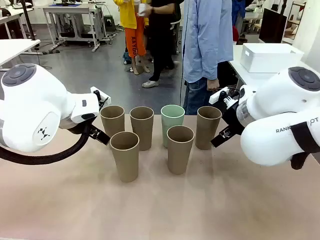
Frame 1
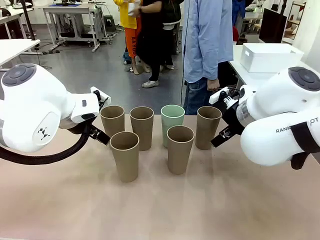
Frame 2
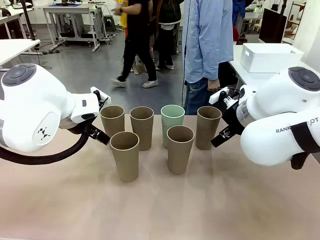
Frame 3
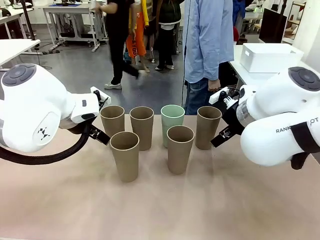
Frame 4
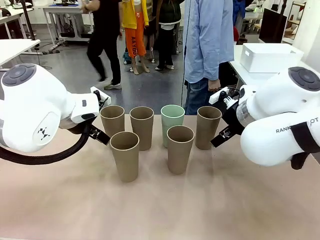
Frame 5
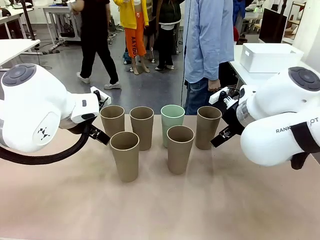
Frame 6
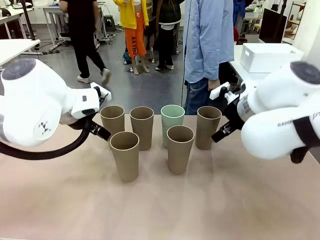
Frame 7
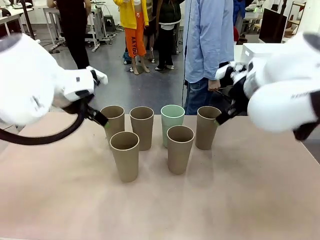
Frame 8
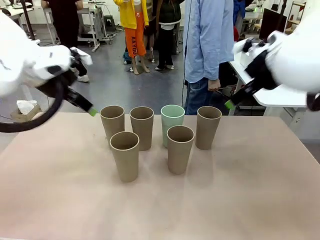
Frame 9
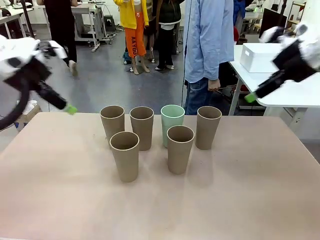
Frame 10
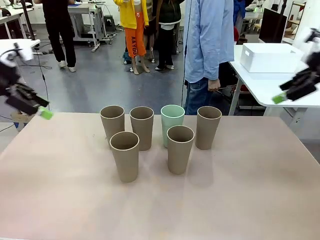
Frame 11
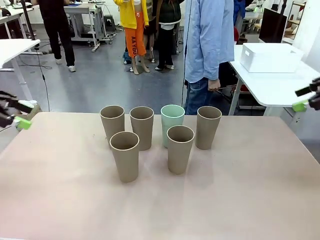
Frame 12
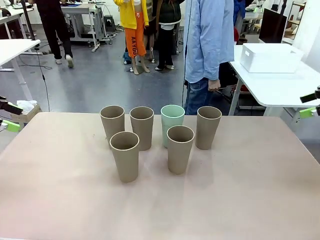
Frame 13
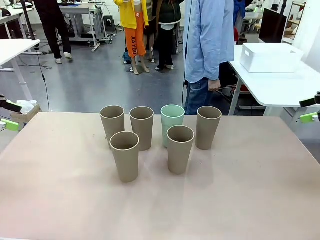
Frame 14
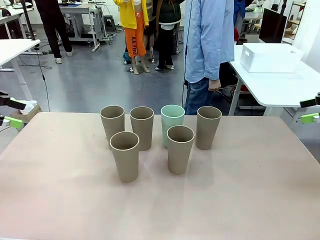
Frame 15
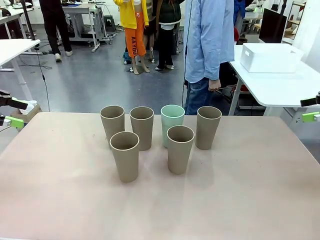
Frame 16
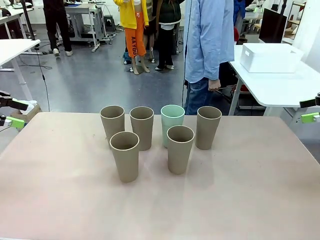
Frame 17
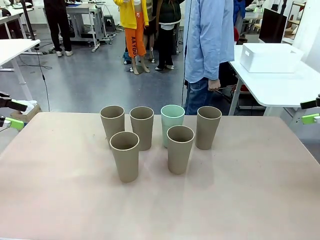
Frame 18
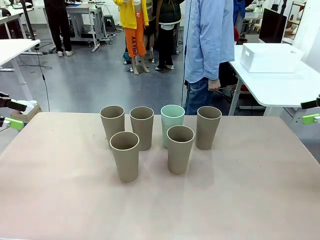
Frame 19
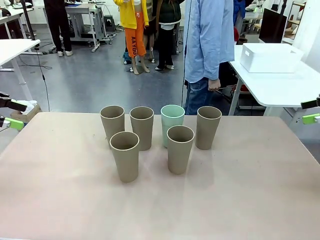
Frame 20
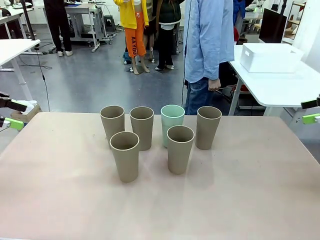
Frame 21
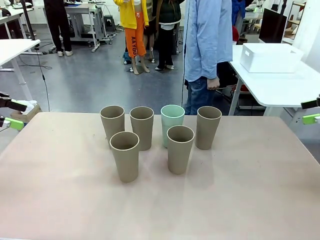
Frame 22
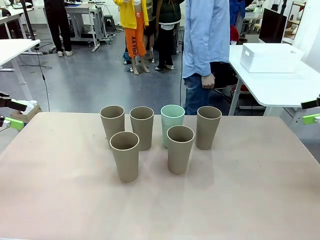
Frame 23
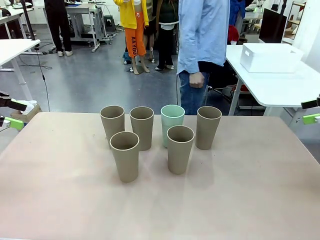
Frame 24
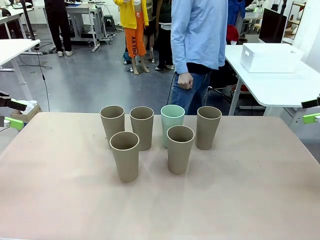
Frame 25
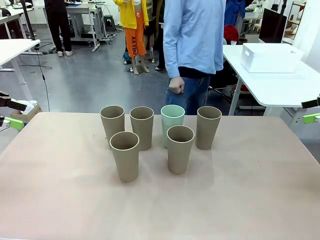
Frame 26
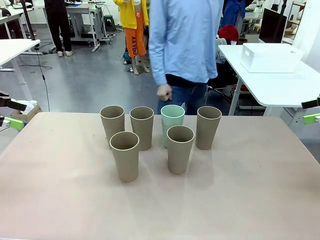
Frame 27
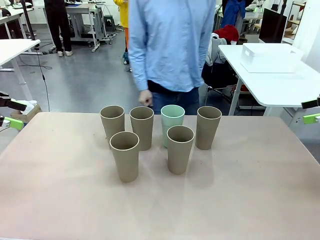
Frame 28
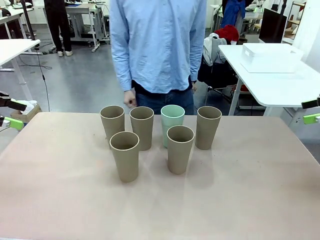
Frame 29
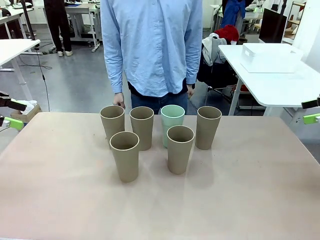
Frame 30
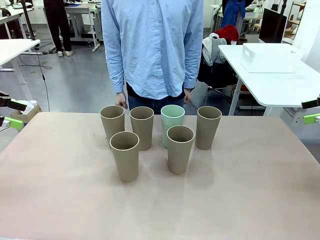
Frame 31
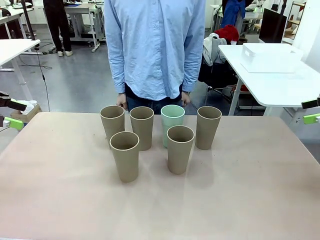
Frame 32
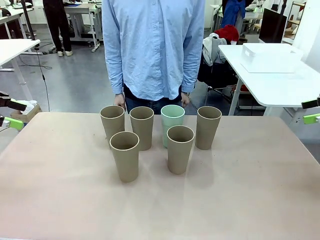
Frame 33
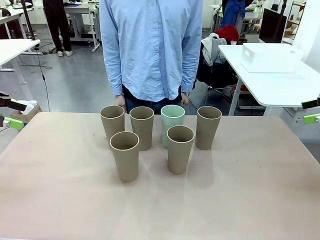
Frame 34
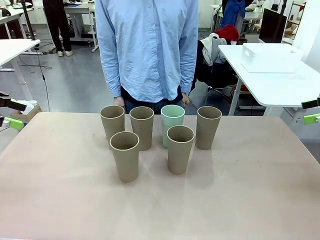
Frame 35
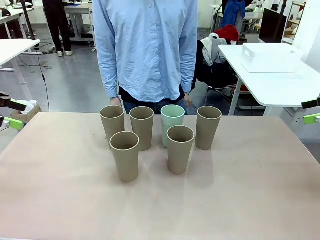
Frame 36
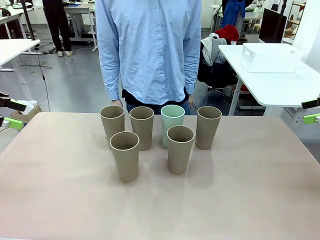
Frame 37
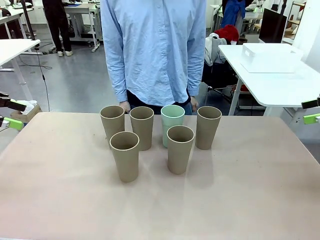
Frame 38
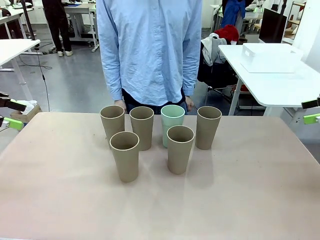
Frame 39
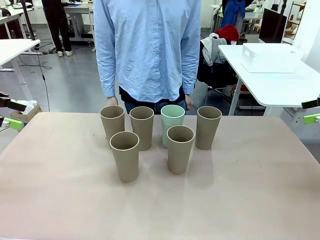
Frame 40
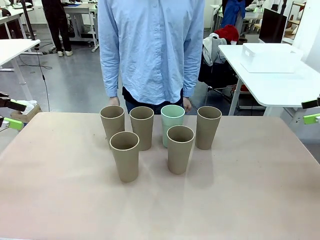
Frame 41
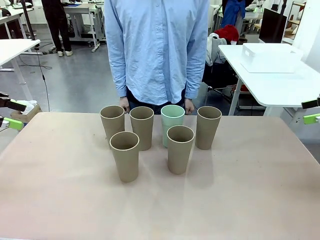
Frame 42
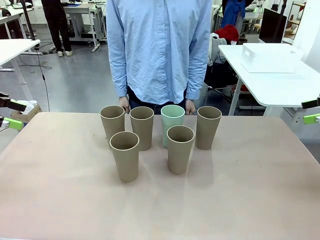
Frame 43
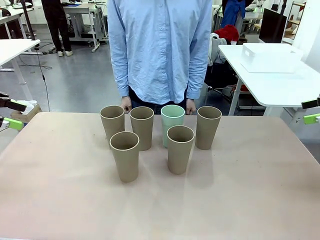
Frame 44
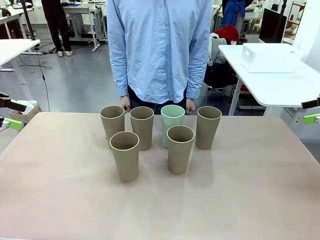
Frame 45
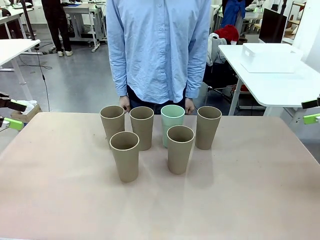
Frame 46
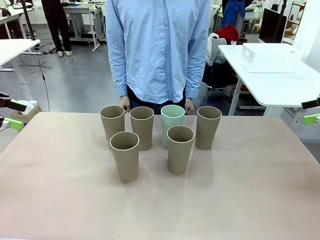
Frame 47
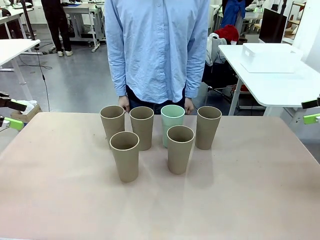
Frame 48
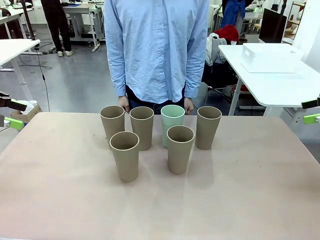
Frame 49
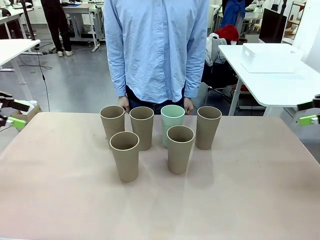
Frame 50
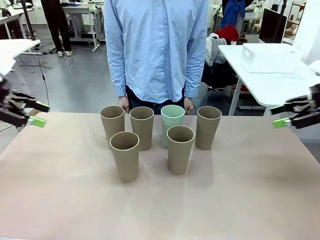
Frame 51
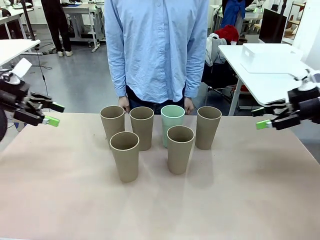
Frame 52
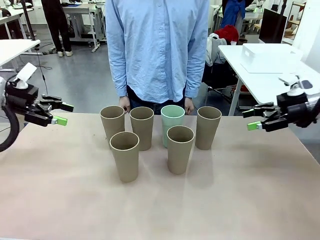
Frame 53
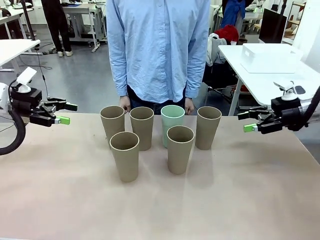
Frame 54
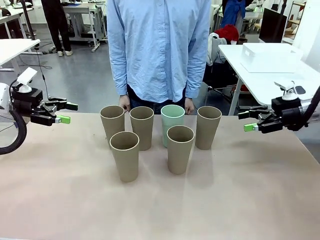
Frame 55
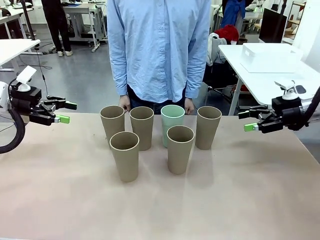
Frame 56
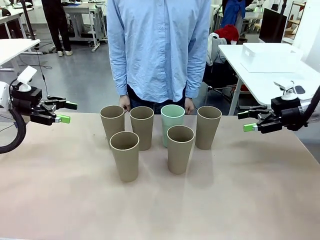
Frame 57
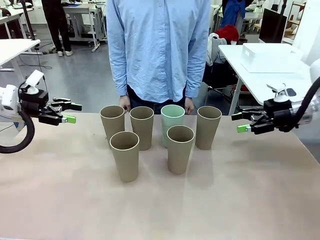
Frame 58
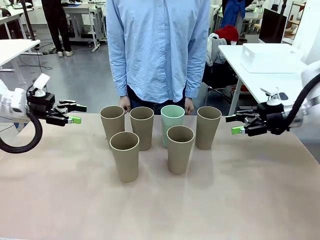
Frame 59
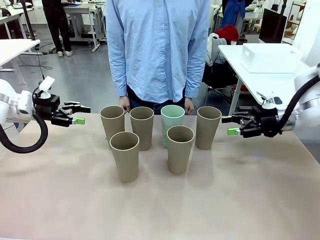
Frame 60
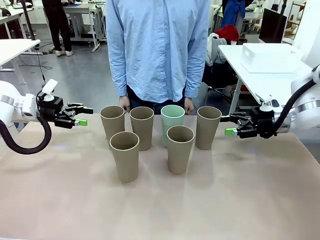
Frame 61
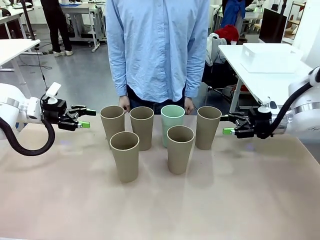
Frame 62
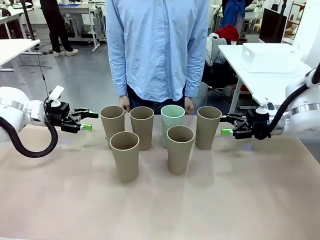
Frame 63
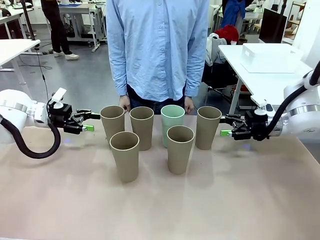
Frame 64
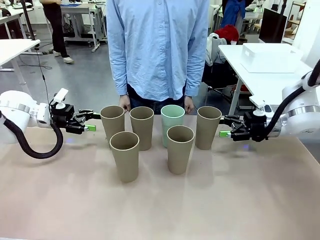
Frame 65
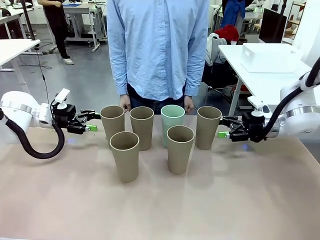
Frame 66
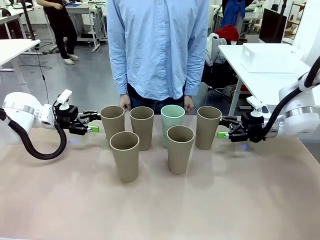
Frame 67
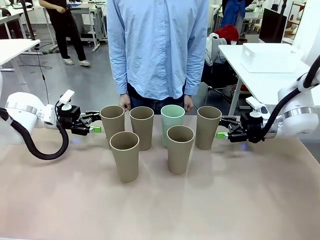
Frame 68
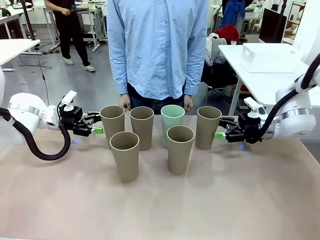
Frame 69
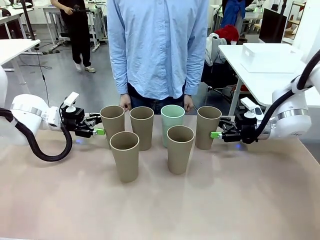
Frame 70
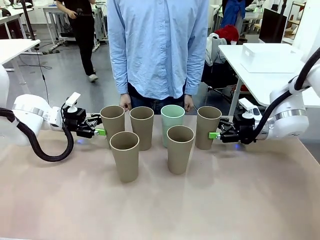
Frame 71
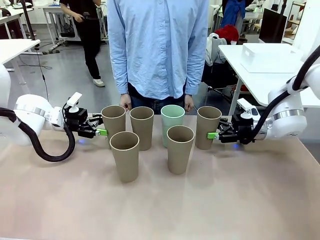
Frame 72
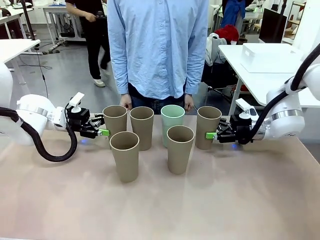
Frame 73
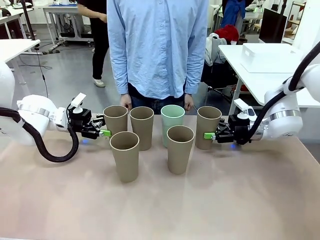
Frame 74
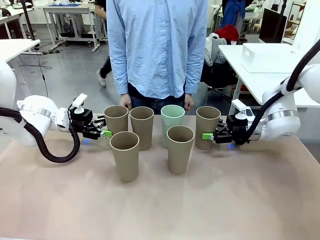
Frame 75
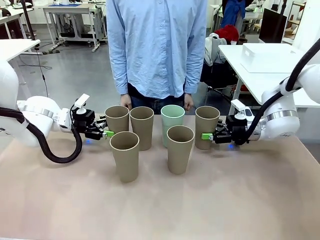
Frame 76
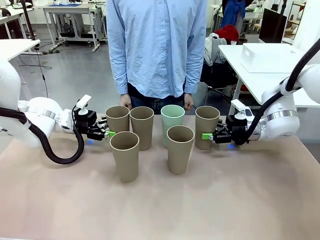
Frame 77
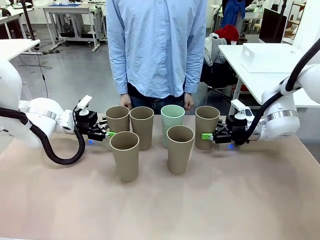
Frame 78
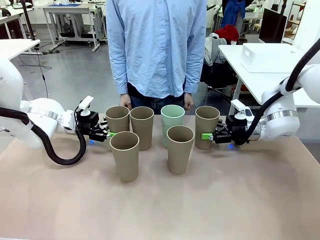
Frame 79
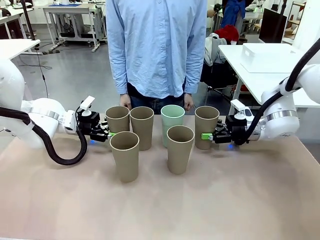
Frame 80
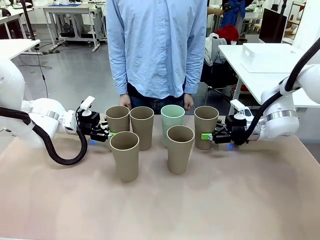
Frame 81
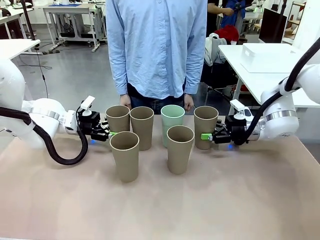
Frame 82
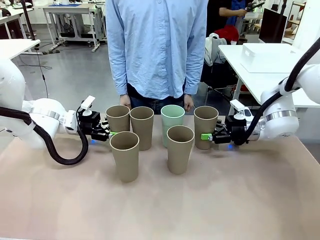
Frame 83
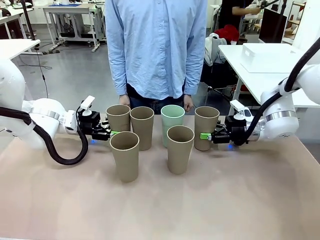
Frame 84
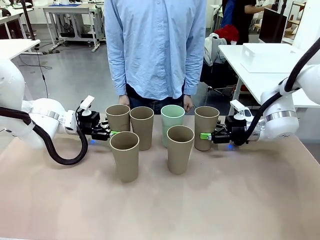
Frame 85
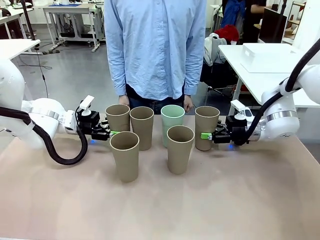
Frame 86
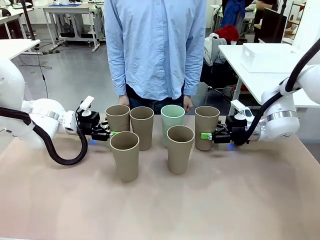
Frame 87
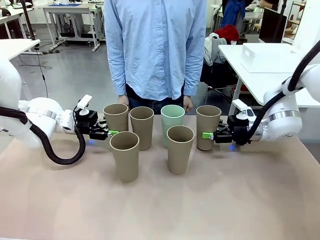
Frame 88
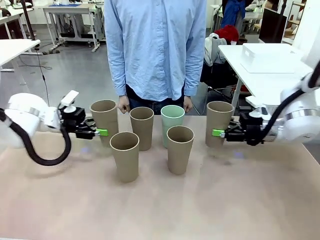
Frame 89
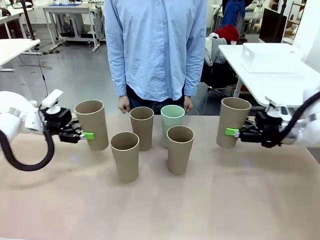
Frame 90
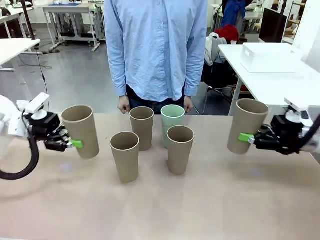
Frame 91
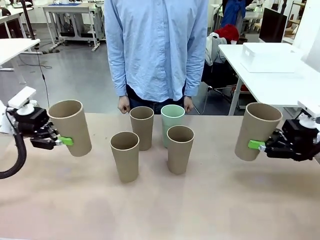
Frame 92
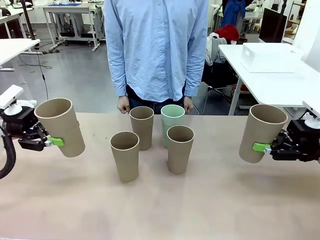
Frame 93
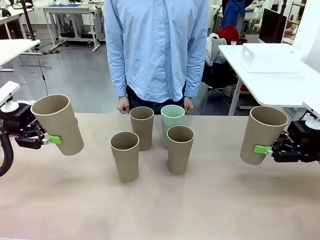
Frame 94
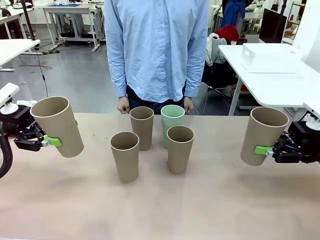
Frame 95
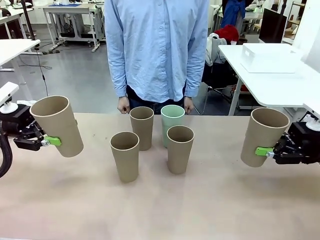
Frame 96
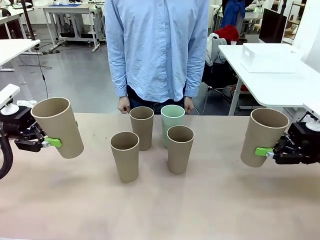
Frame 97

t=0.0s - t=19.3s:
Task: Stack the cups and store them in the basket.
Robot: Pick up two Reusable plastic cups , one in each hand.
Person: Move from the Human Table to the front of the Robot Table. Stack two of the remaining cups on top of each cup held by the robot.
